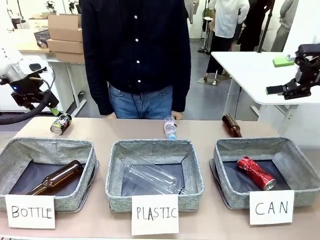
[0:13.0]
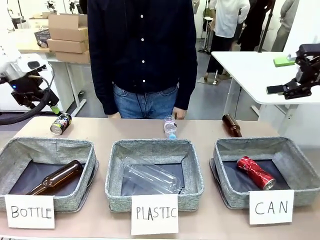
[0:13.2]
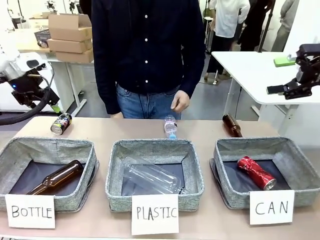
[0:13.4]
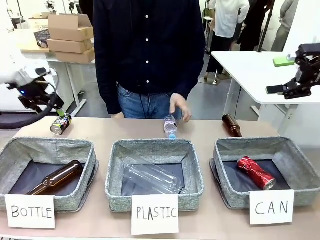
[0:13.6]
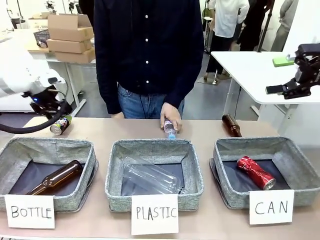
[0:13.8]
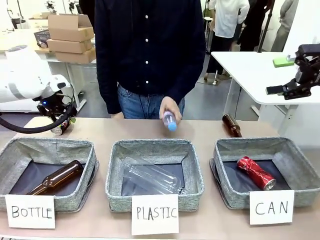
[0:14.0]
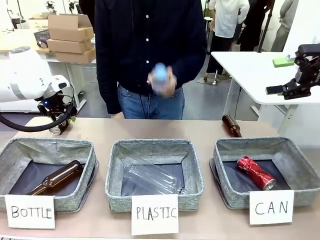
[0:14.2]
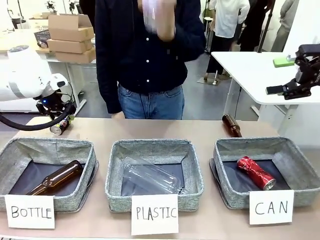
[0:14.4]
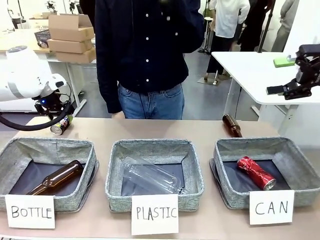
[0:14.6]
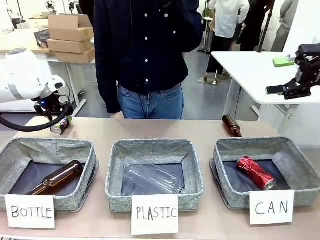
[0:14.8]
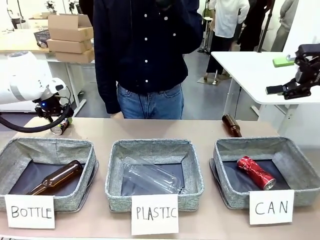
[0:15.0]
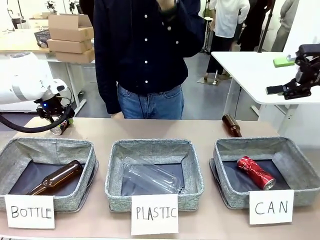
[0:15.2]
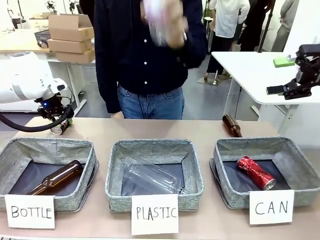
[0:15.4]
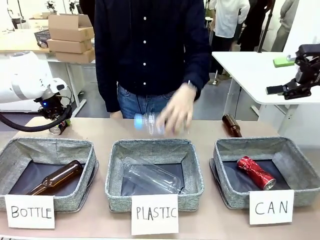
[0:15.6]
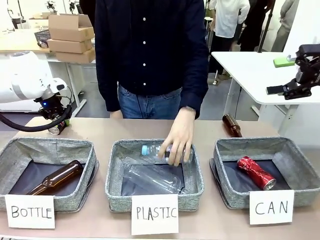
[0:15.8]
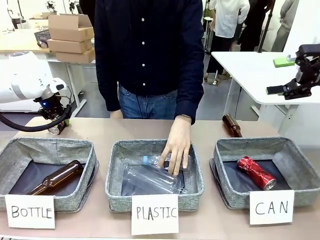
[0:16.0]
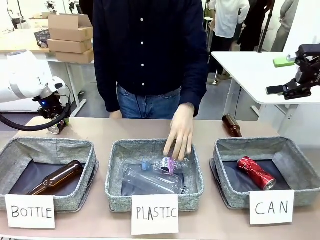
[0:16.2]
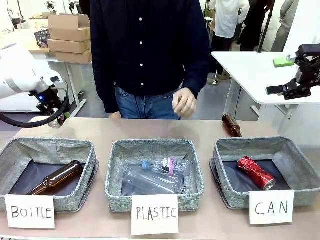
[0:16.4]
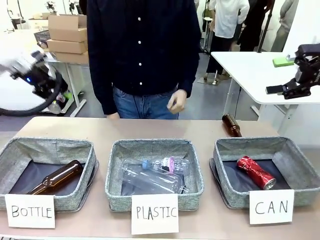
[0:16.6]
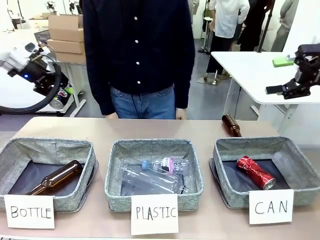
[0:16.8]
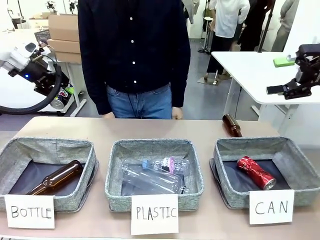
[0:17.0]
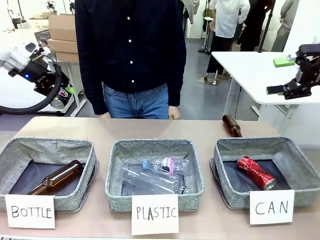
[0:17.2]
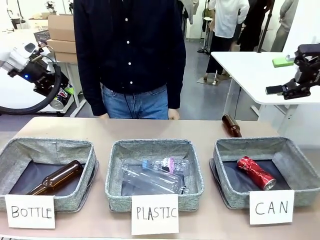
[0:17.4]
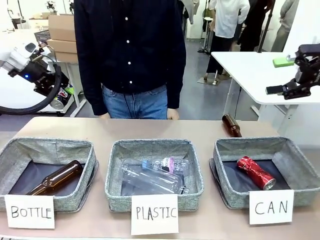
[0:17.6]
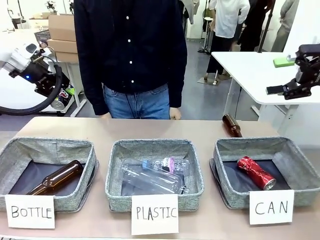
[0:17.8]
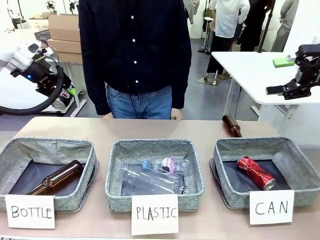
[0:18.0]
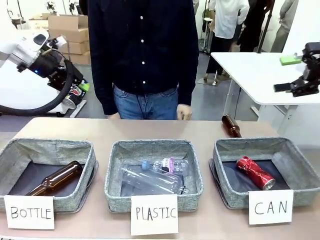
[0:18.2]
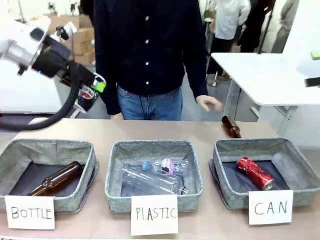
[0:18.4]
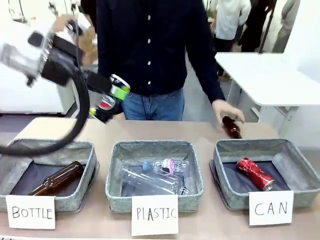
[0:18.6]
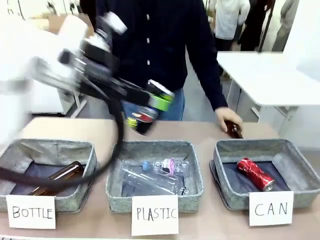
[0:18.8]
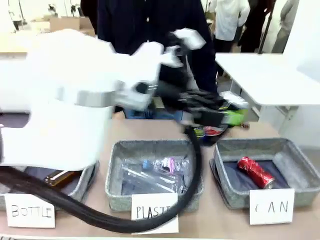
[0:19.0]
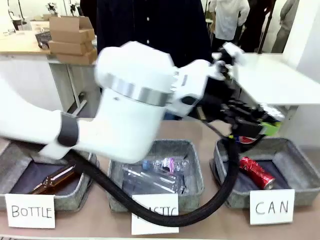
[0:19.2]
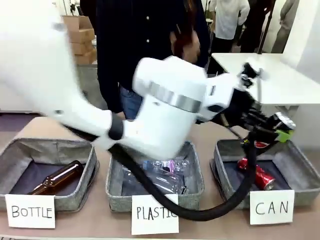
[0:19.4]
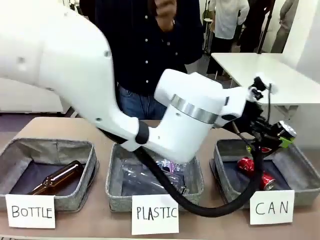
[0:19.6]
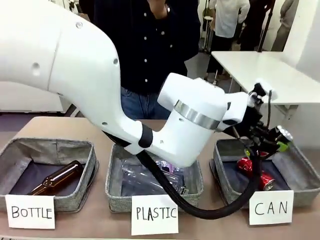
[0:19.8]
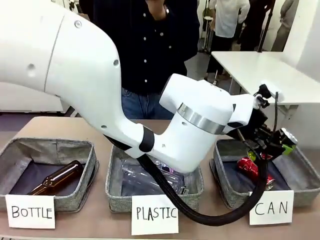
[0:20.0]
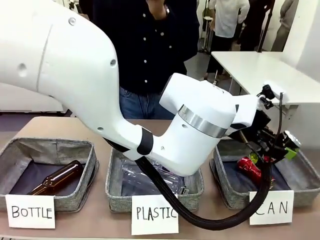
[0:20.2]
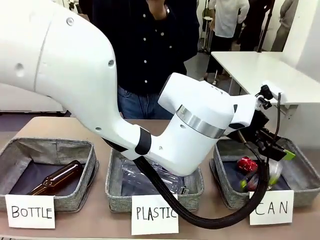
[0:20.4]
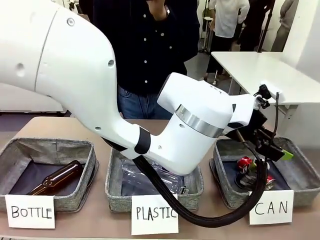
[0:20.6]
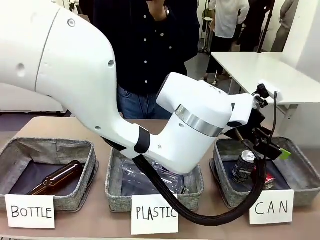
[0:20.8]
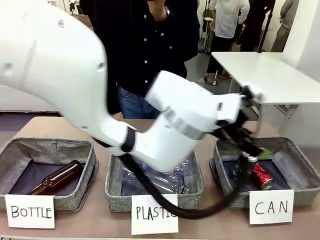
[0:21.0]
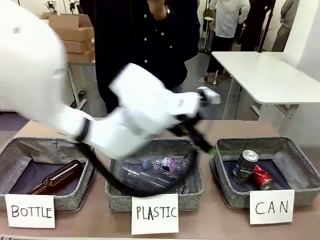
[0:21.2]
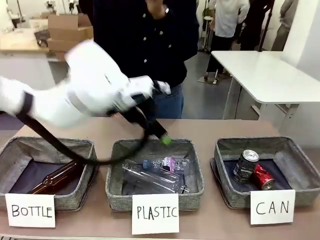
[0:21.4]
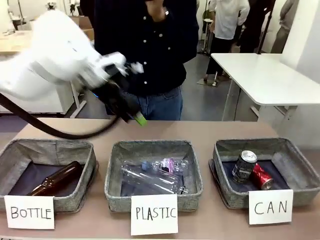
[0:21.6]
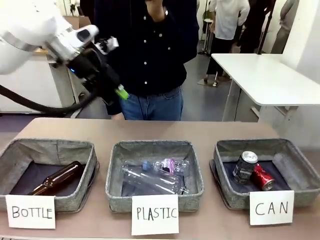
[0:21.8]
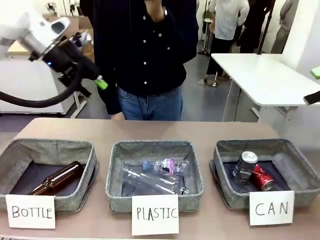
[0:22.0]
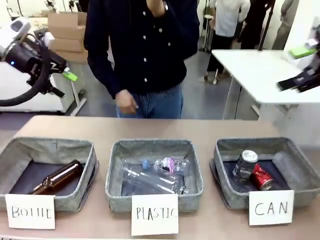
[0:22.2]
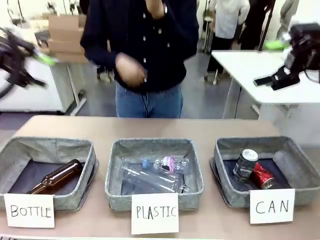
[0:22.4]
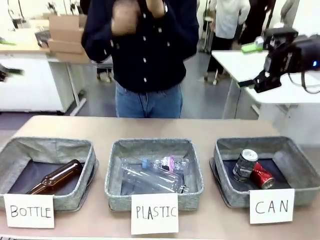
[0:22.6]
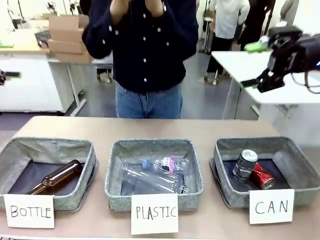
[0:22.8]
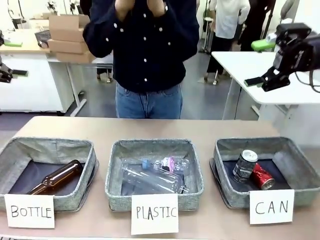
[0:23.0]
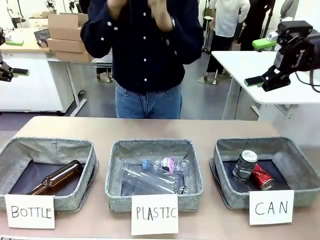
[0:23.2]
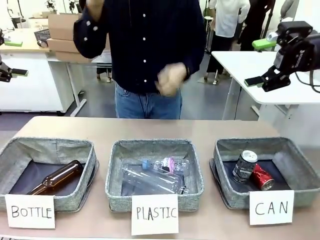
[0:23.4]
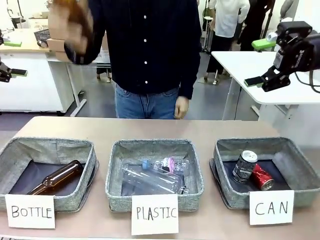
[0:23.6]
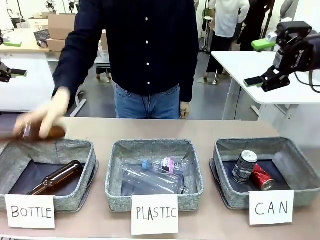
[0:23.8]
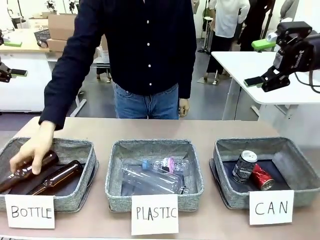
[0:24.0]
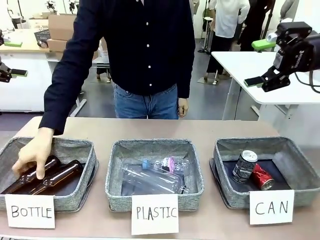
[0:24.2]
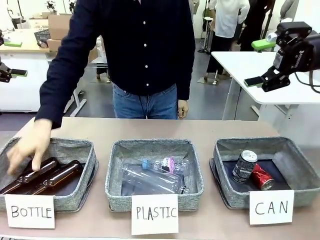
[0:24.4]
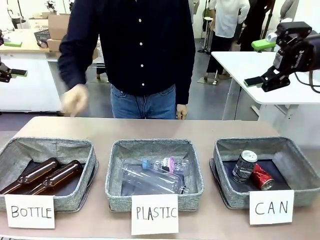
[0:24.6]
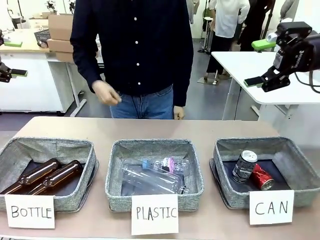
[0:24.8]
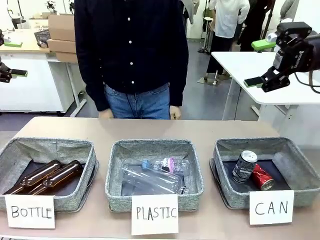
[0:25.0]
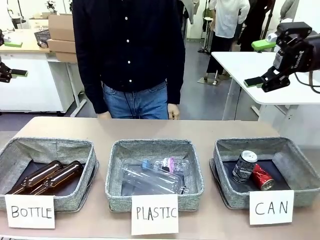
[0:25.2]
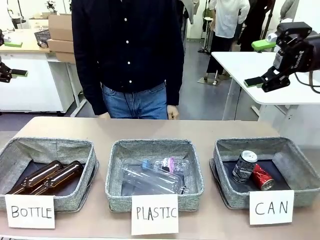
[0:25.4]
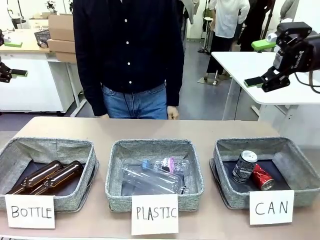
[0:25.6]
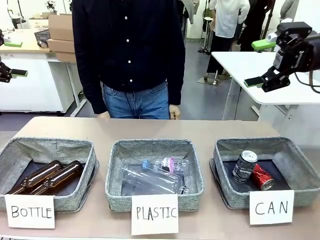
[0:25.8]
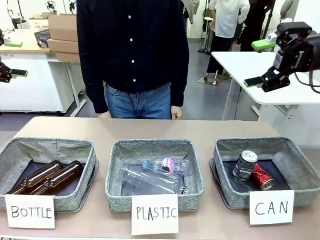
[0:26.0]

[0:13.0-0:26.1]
Task: Sort the can waste into the basket.
Robot: Pick up the can waste from the table and place it in the right Fabric basket.
Person: The human picks up one piece of trash that is not a can and places the trash into the appropriate organizing basket.
